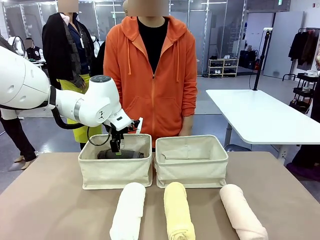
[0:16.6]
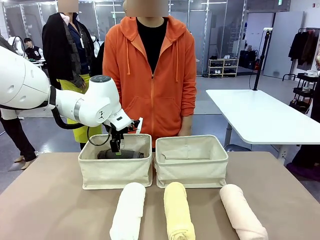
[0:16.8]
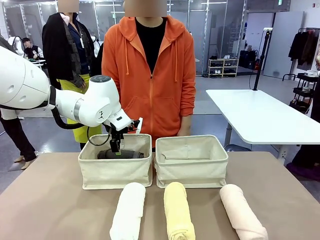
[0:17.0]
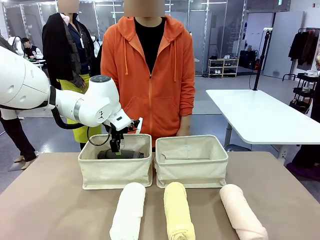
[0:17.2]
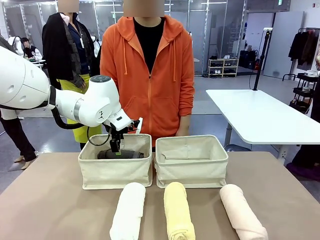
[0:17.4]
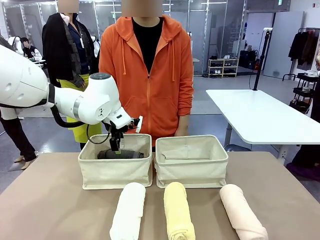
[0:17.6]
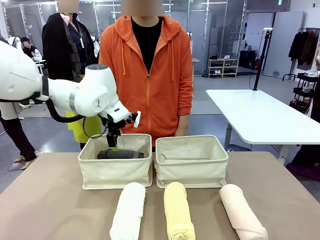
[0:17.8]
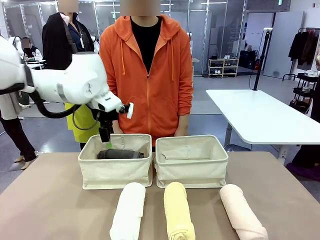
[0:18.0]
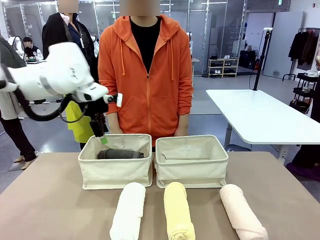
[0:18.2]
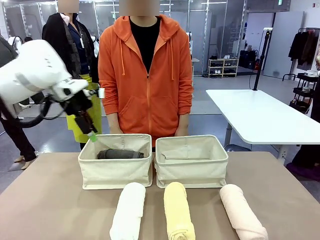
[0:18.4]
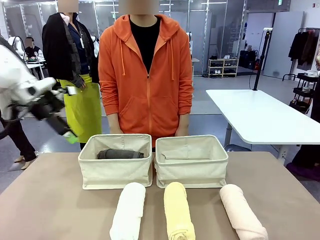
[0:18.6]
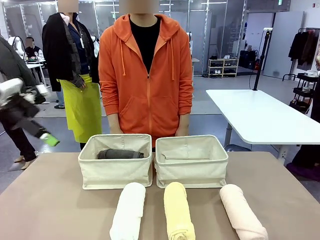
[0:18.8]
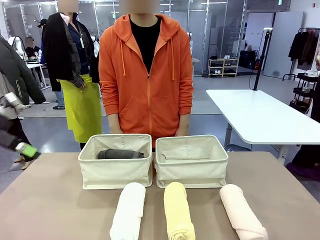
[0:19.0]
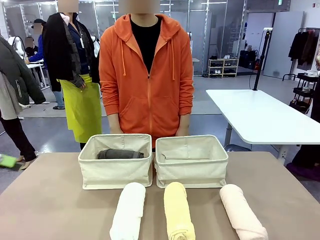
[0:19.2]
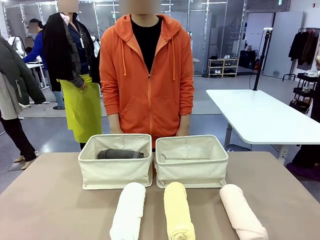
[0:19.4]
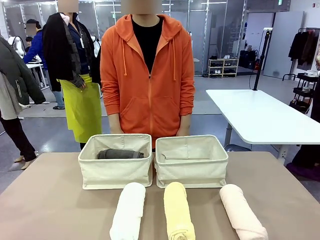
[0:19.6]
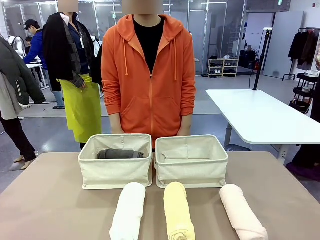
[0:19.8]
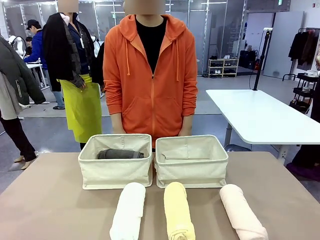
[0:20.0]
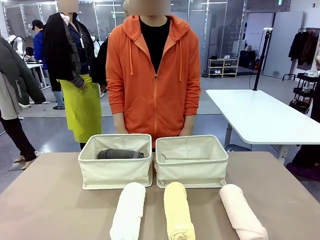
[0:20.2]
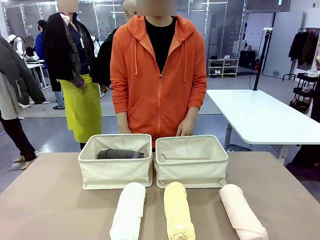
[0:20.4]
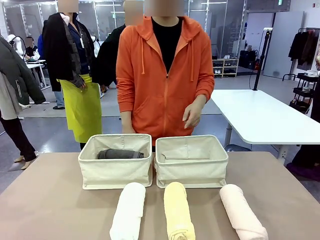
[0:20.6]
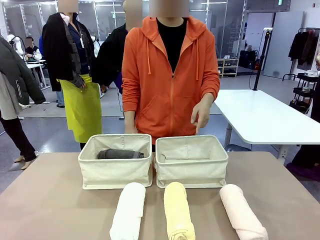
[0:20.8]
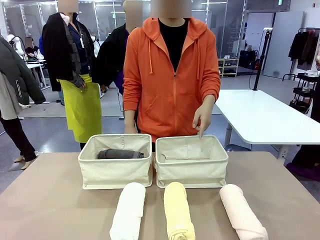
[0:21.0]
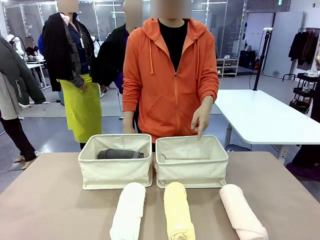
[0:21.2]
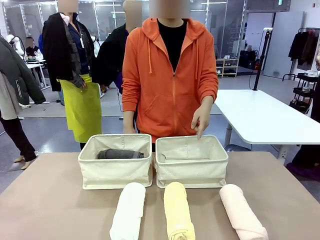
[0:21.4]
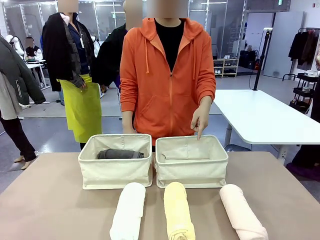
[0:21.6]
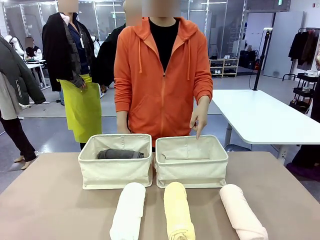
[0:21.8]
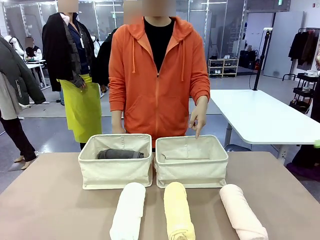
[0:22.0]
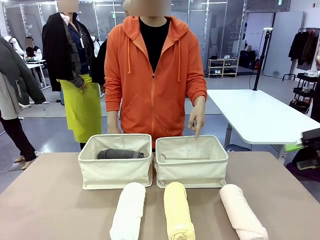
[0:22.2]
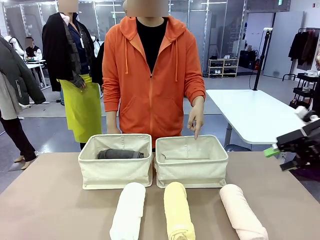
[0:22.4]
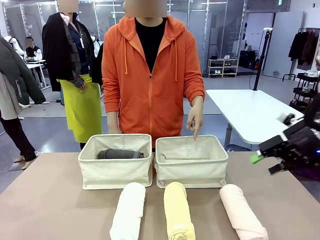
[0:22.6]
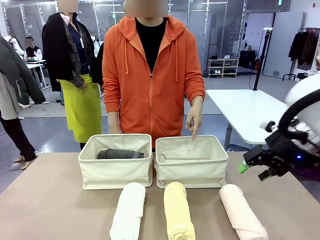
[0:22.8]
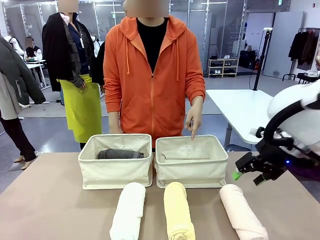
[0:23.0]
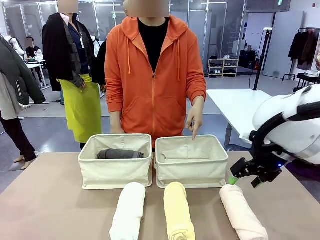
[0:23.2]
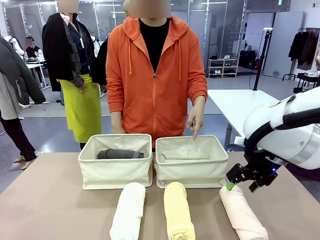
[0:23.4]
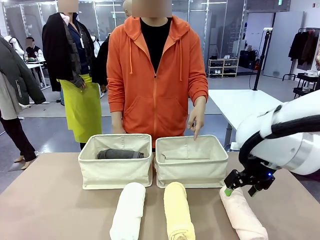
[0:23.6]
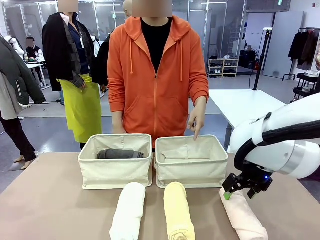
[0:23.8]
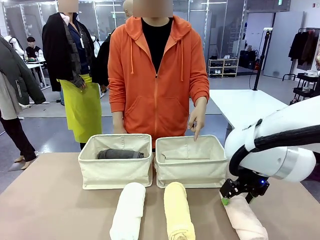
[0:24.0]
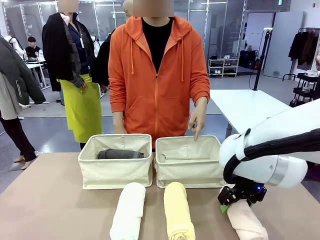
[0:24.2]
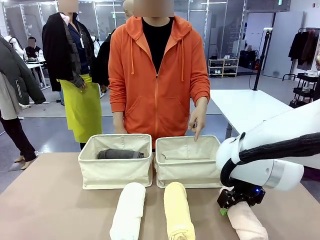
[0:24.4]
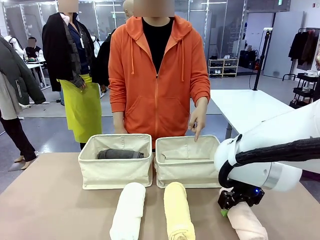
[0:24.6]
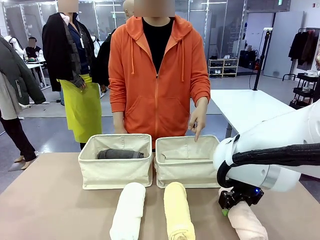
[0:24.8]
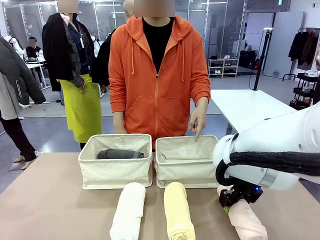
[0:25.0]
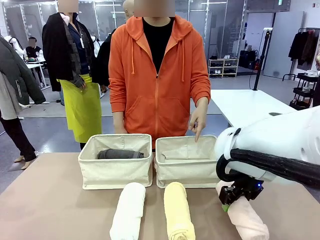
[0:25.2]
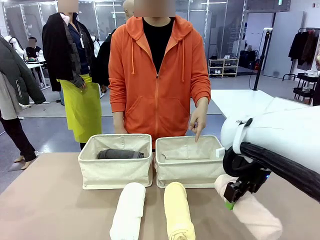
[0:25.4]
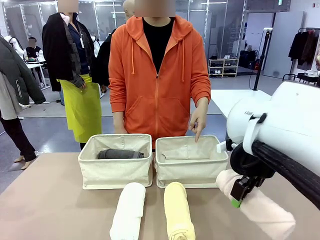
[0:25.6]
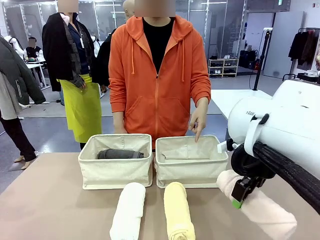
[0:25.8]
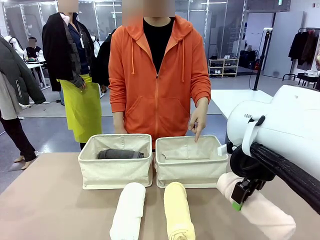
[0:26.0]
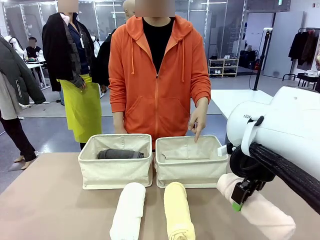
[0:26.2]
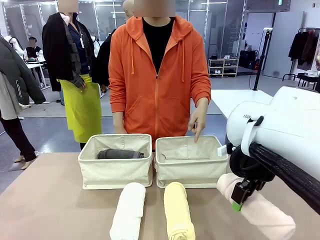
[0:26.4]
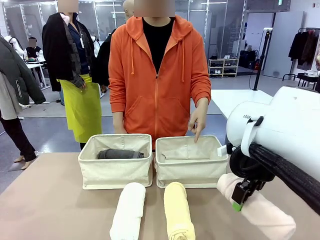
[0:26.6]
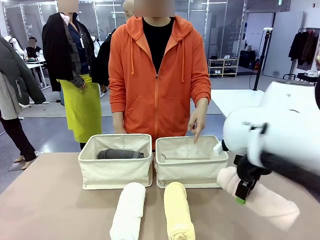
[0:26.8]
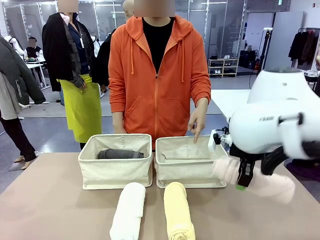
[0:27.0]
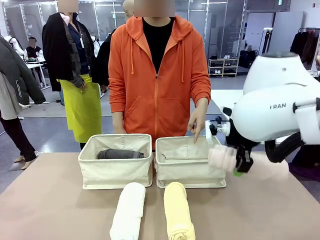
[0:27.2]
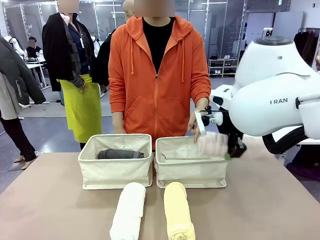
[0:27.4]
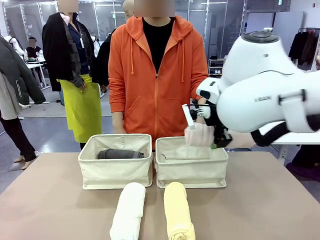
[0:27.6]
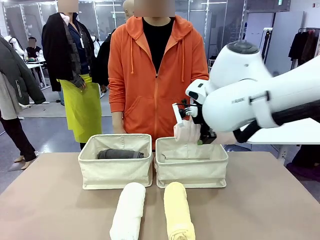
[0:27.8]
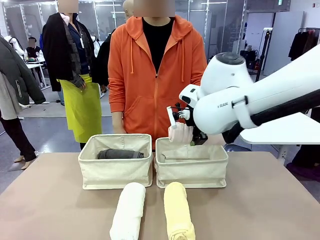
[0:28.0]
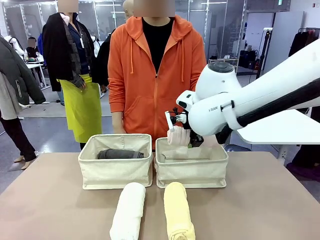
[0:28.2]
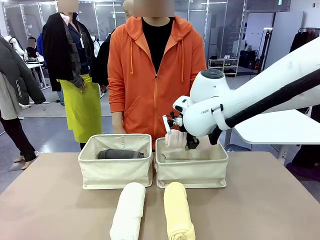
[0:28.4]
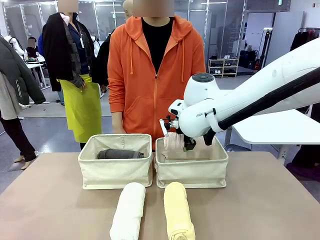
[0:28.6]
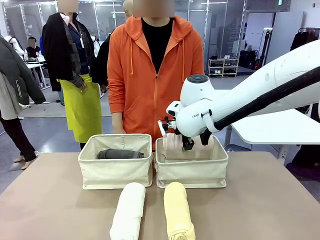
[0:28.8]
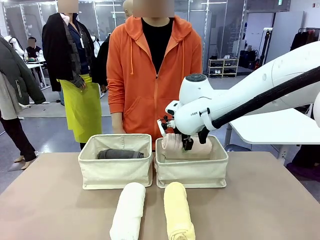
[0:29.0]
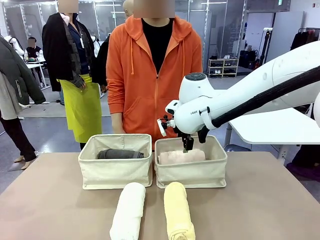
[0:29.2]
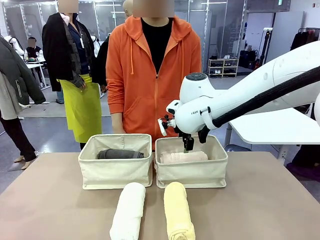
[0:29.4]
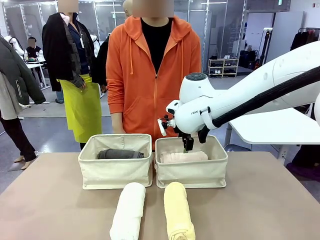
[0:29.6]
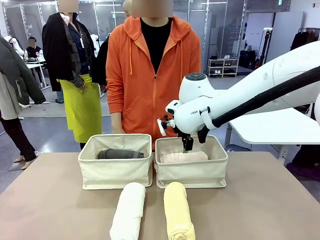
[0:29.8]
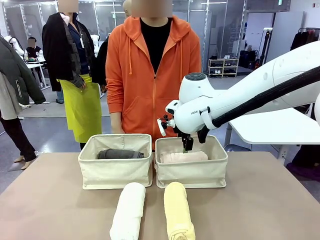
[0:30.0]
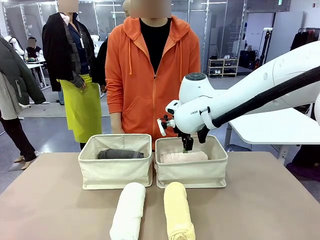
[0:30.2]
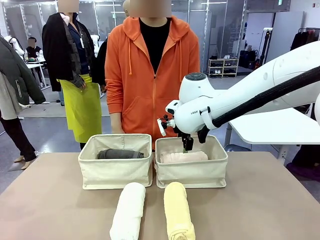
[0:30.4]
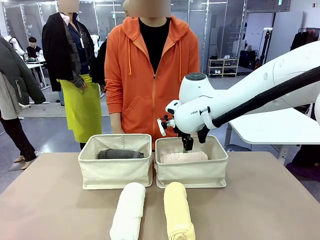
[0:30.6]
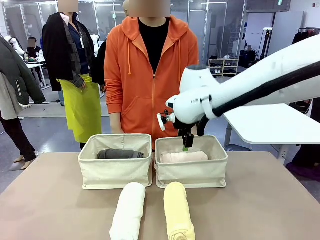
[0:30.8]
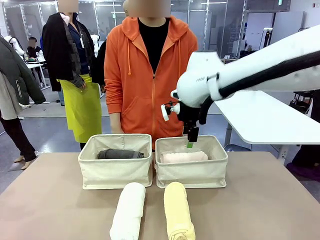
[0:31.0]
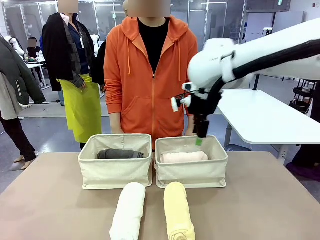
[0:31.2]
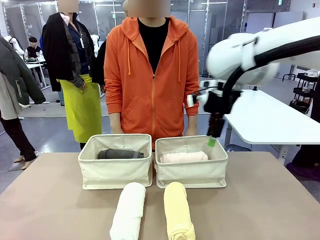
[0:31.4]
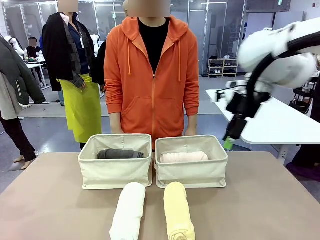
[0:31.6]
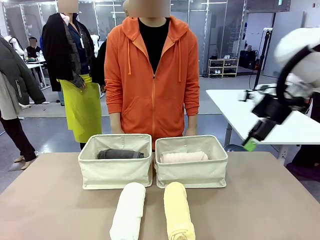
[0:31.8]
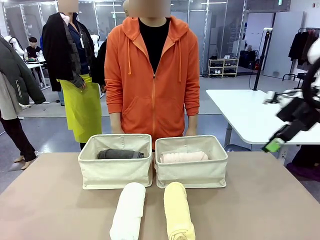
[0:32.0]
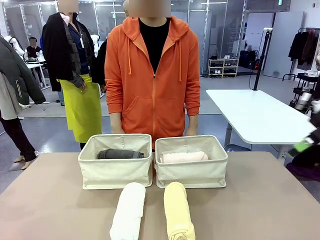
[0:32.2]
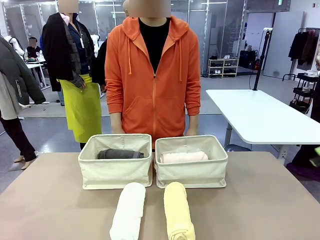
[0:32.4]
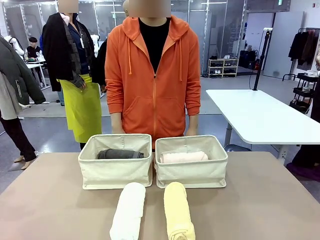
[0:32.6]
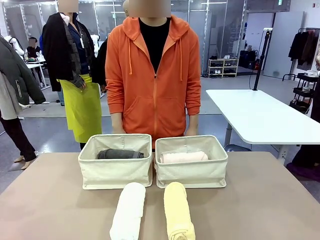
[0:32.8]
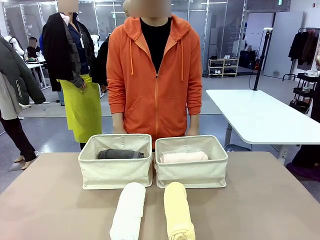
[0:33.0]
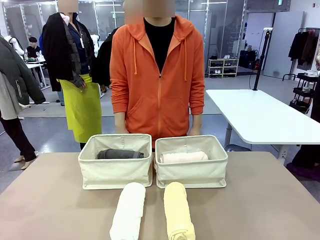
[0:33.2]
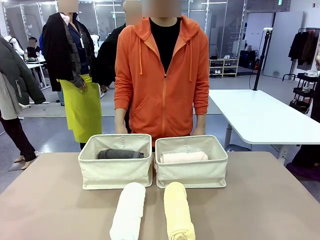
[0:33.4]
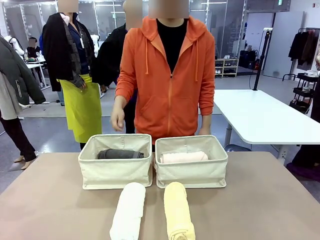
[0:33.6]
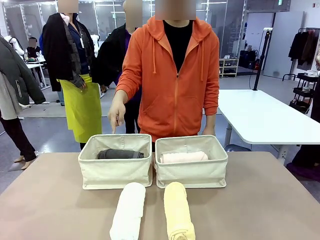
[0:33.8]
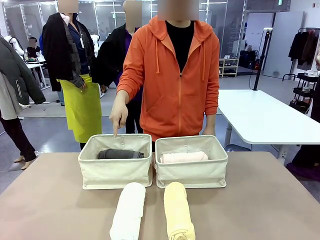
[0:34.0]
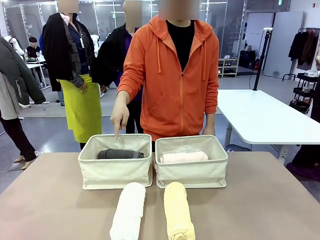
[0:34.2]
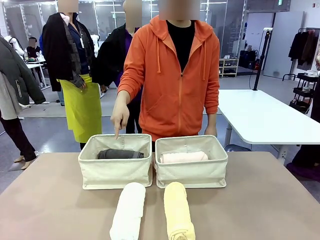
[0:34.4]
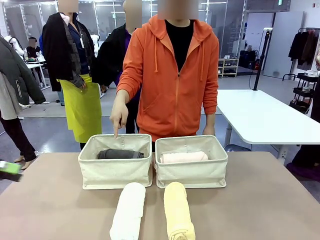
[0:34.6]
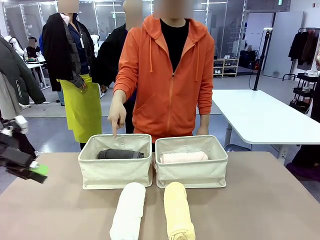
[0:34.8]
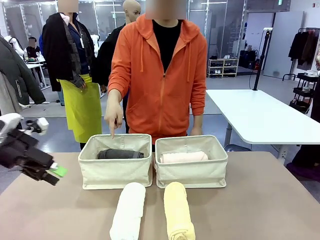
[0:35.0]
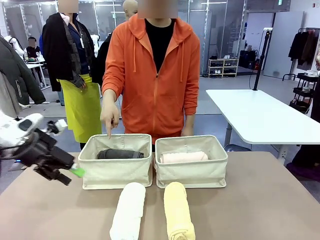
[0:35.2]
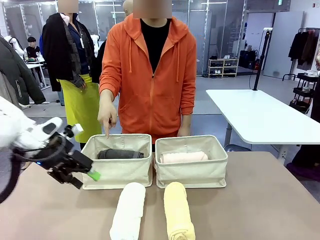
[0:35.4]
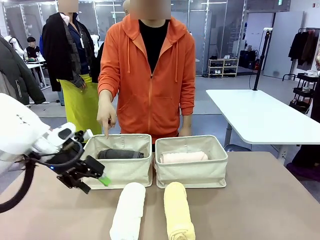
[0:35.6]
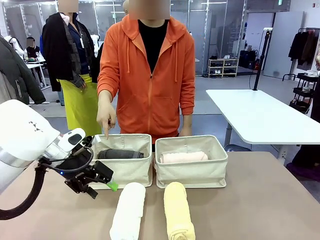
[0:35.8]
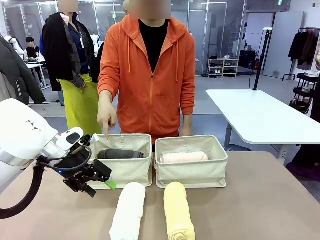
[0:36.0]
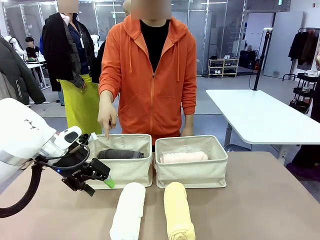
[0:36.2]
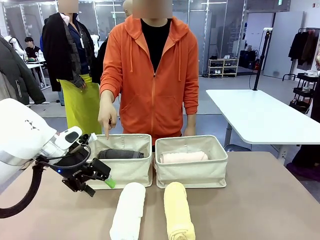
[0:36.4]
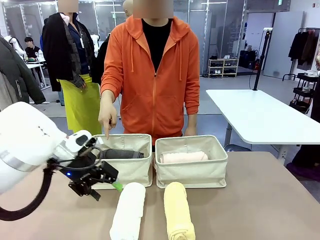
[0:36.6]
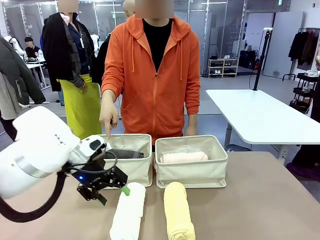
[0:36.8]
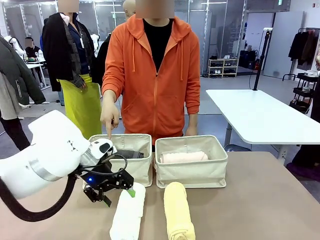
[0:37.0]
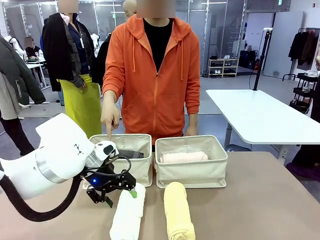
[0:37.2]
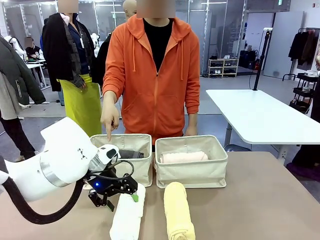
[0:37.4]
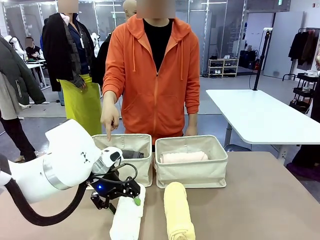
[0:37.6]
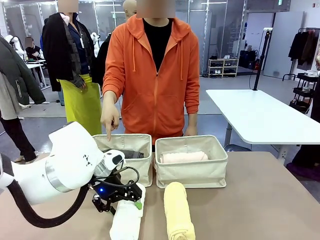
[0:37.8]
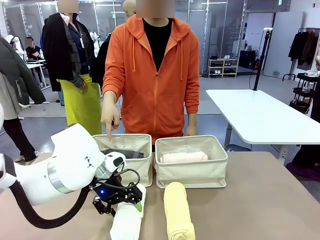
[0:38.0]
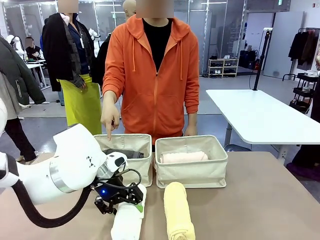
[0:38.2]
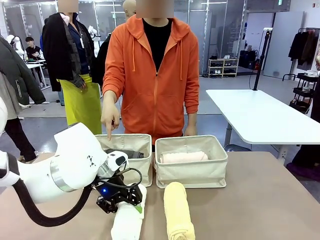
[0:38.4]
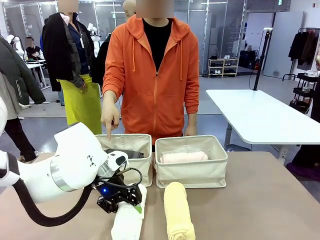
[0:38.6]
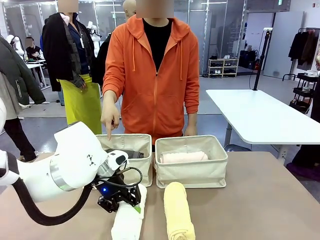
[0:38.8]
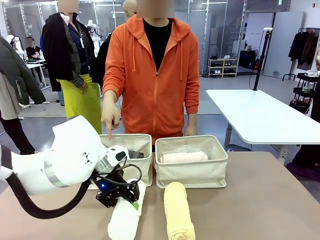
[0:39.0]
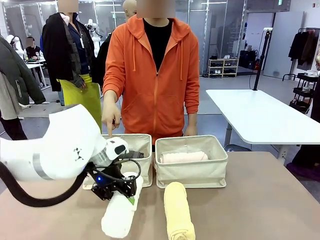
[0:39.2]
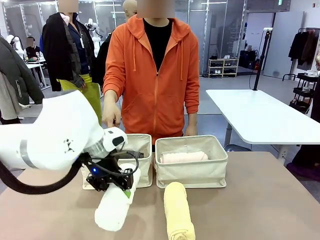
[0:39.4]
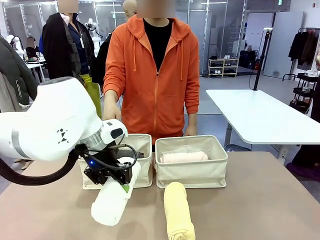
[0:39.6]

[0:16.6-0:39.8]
Task: Divide the towels into two baskets.
Robot: Pick up one hotel-folded towel from the bottom of the table and place it in the Fabric basket indicated by the person.
